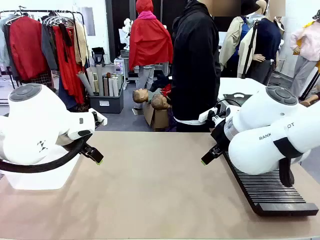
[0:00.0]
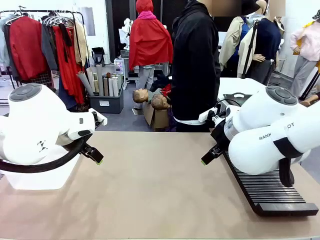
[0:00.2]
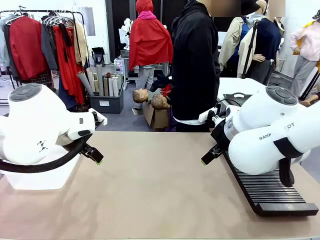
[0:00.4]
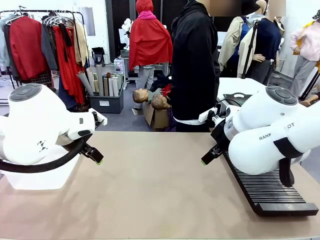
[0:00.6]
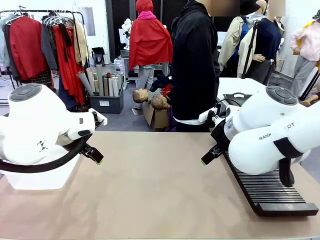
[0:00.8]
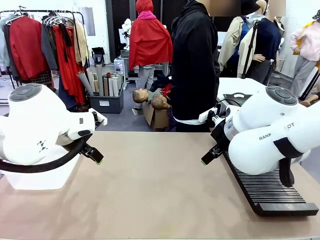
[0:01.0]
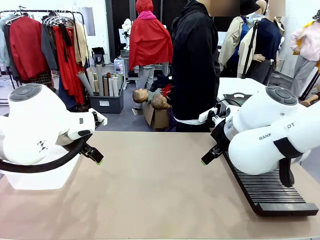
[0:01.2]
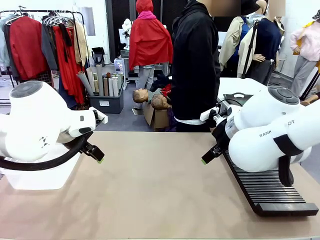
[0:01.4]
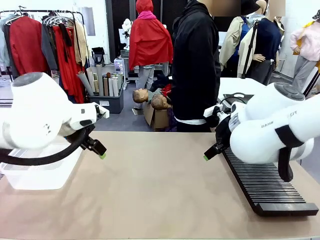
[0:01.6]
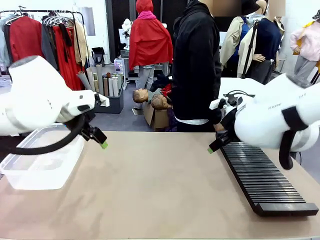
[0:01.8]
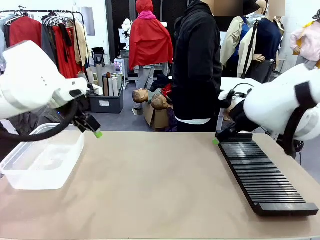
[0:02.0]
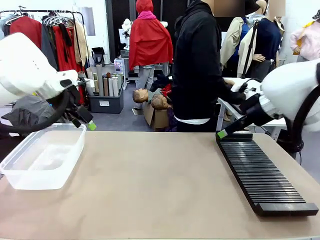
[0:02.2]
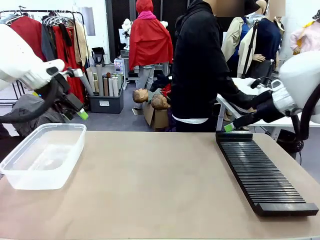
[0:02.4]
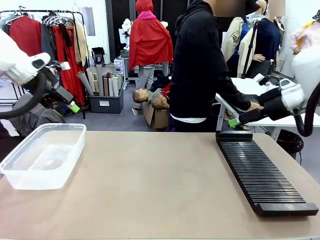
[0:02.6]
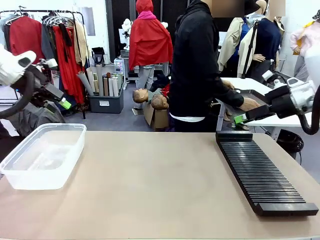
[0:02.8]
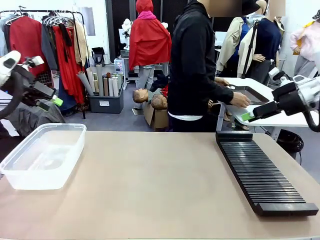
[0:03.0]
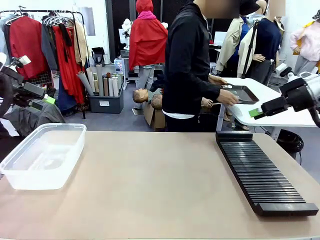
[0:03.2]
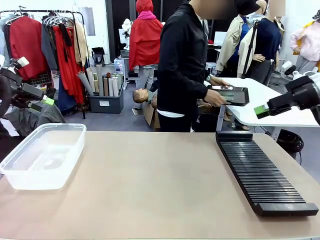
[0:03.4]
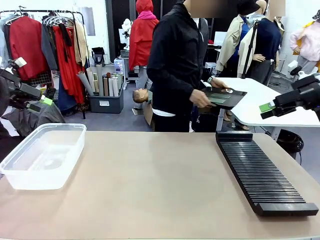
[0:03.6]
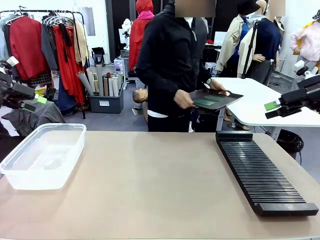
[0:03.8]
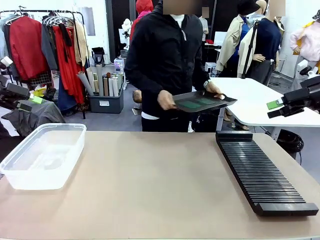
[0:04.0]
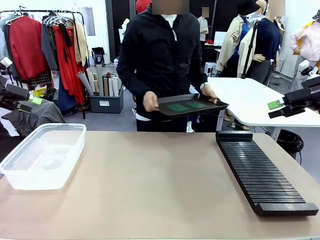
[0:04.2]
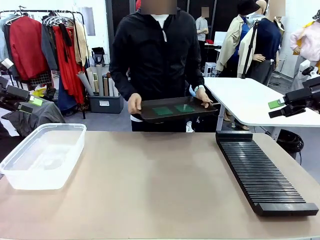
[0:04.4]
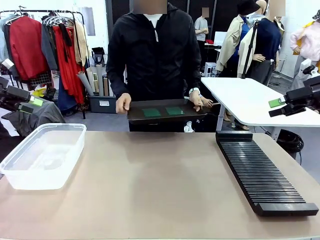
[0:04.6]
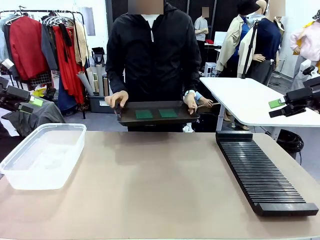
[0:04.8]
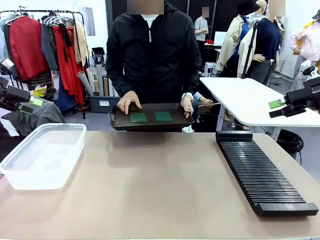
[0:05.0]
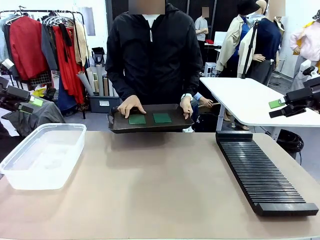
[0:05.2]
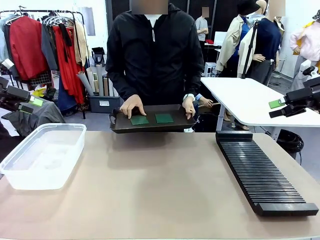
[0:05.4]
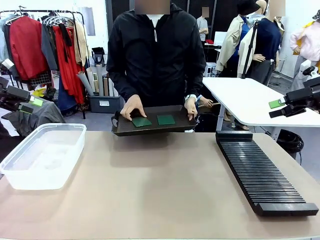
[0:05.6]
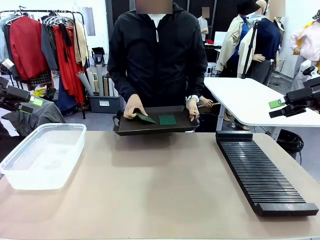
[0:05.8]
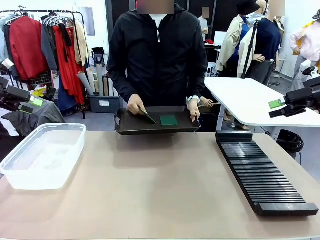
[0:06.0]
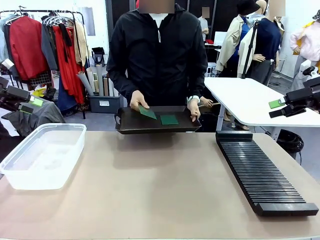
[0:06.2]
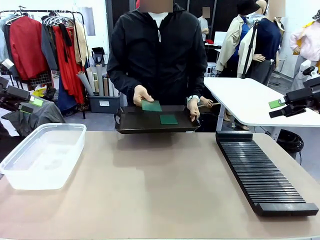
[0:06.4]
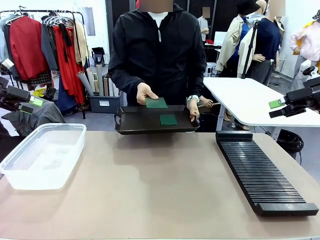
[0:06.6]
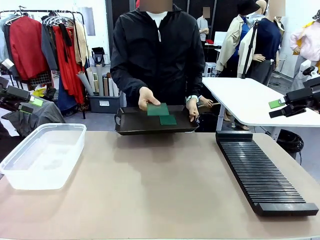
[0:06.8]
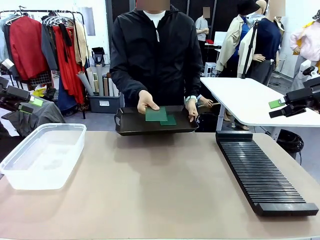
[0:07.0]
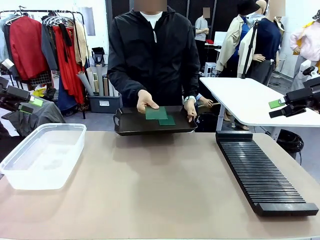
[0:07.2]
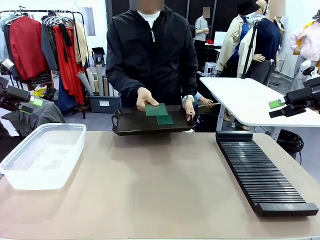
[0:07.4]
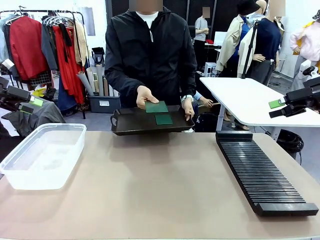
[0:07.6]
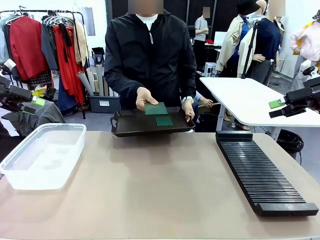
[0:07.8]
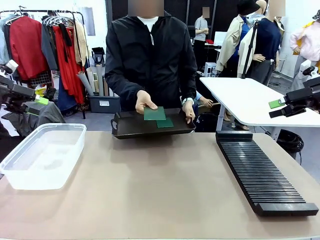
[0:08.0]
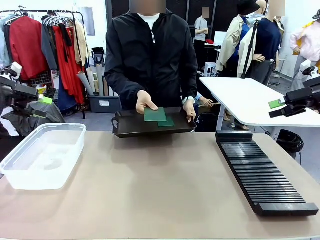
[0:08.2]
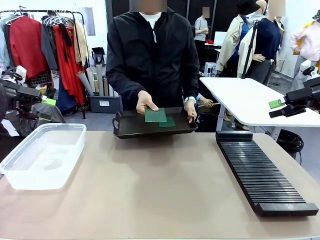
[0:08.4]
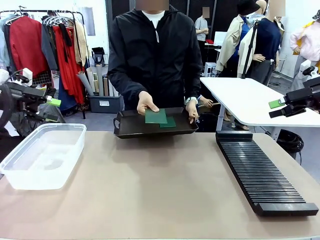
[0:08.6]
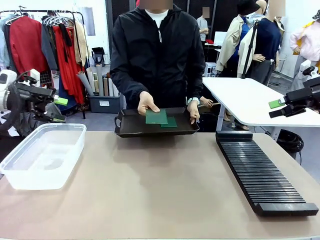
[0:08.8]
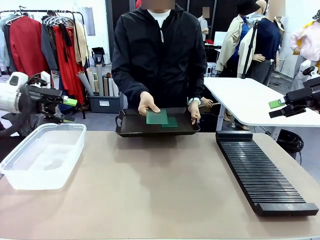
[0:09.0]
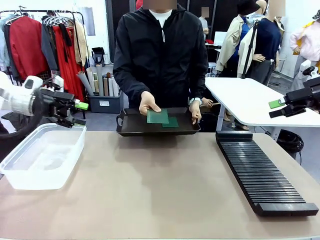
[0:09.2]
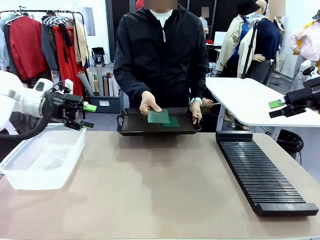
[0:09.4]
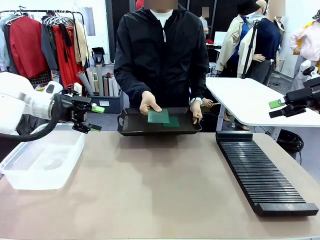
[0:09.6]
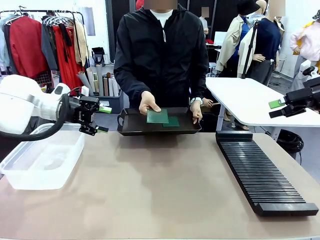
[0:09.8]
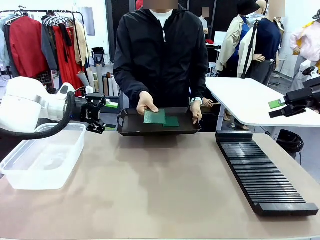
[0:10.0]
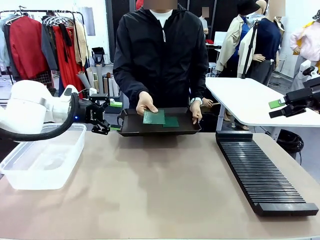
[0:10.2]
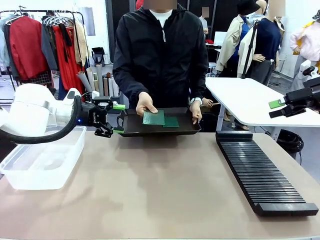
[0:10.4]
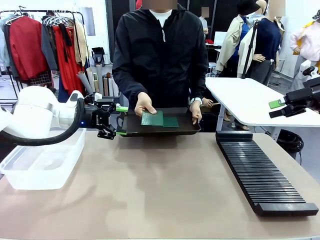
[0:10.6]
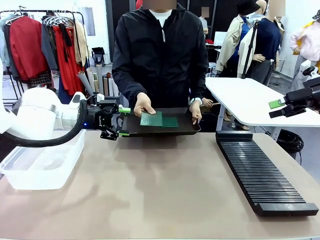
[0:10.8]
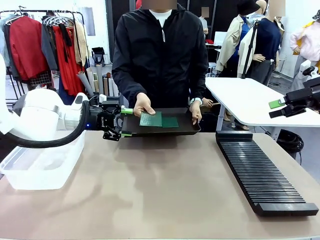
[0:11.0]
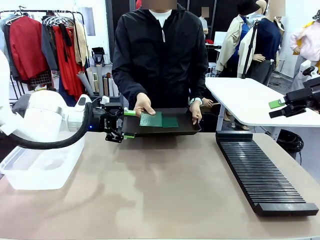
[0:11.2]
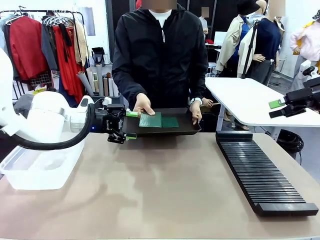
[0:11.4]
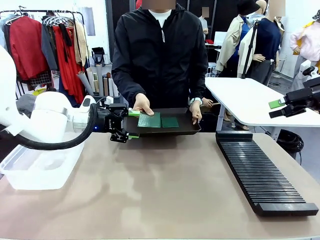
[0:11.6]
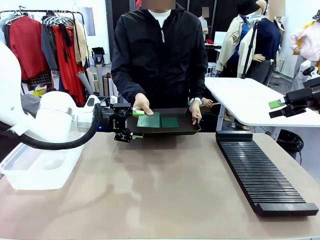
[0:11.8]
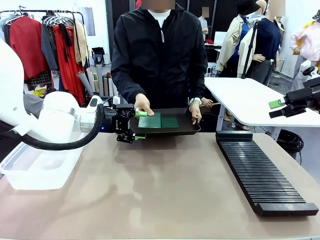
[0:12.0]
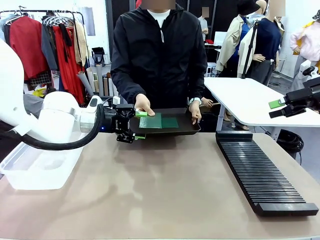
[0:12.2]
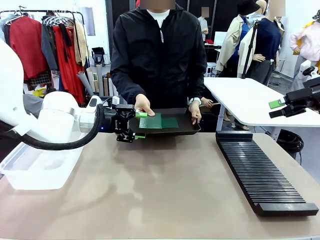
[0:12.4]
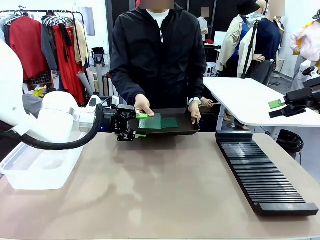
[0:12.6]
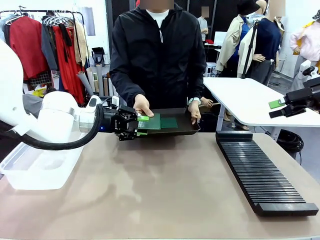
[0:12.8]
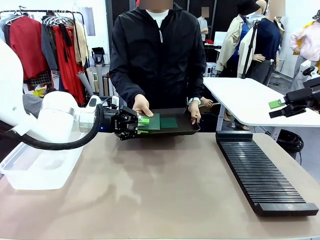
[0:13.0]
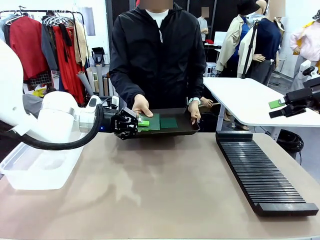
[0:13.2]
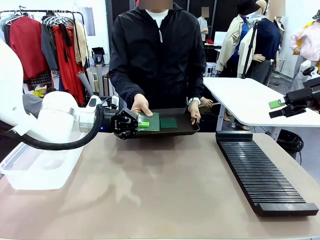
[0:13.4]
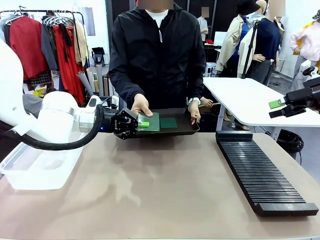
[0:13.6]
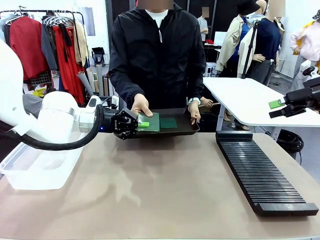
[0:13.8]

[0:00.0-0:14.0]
Task: Sort PCBs into racks and boxes based on the side picked up.
Robot: Pick up the Blank PCB handed by the Human.
Person: Pick one PCB from the tray and present it to the robot. Release the PCB being held.

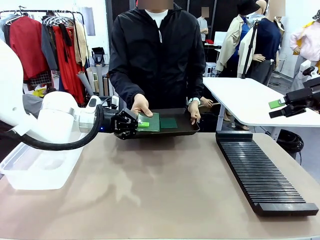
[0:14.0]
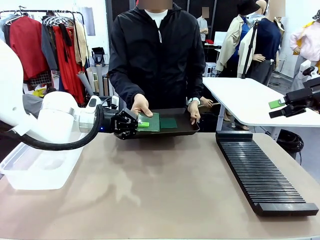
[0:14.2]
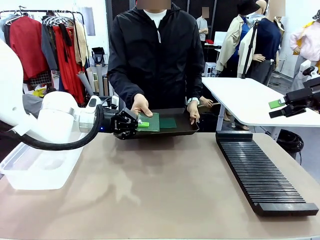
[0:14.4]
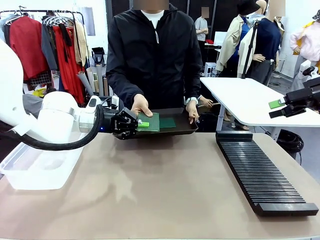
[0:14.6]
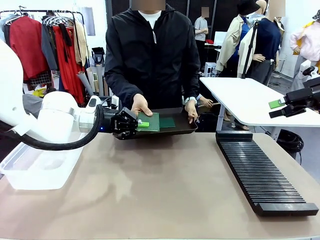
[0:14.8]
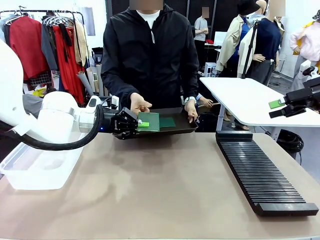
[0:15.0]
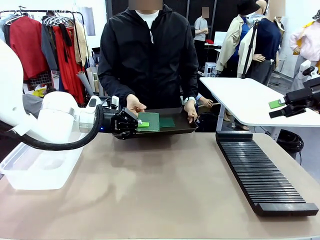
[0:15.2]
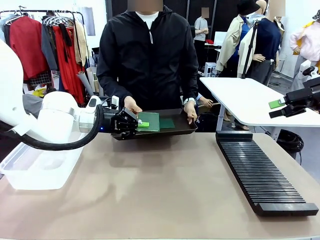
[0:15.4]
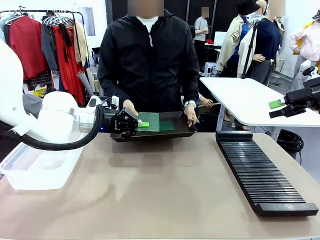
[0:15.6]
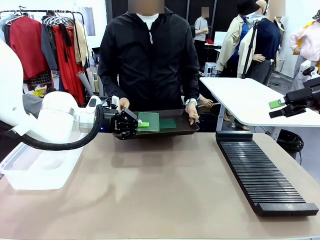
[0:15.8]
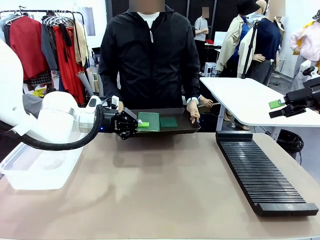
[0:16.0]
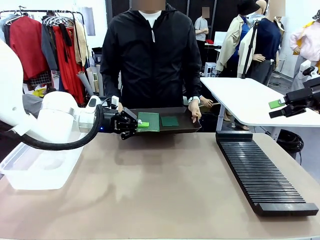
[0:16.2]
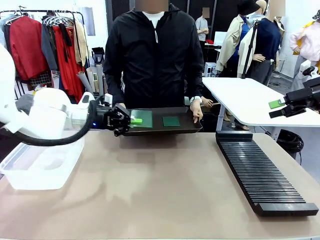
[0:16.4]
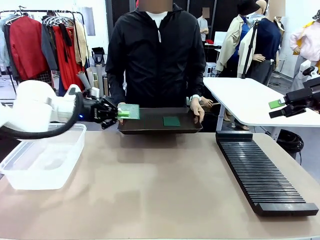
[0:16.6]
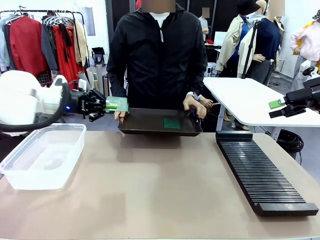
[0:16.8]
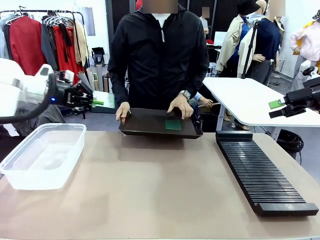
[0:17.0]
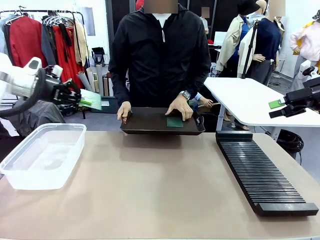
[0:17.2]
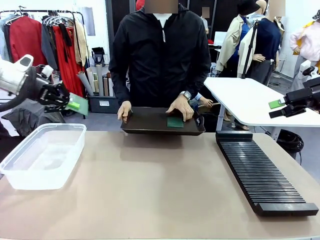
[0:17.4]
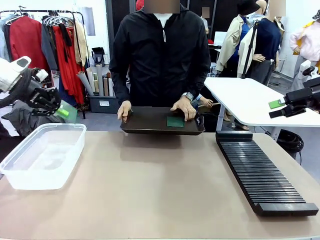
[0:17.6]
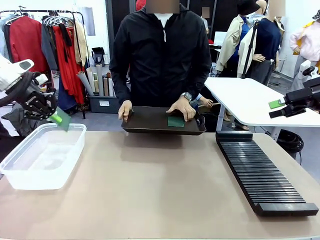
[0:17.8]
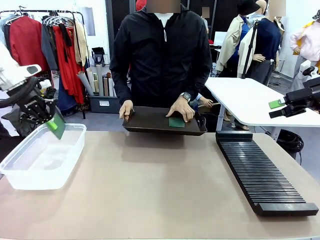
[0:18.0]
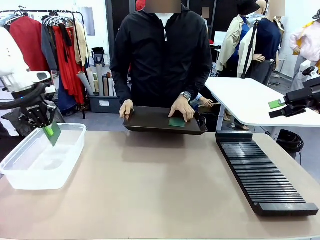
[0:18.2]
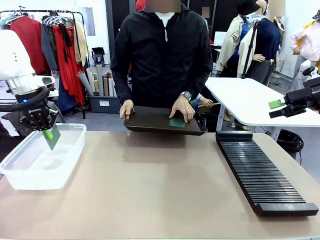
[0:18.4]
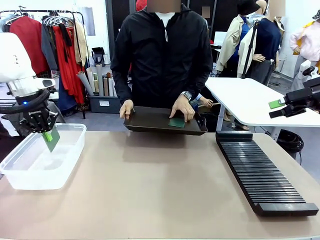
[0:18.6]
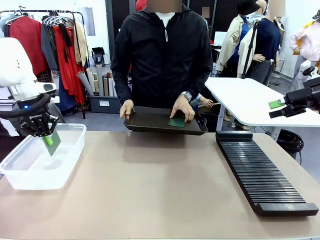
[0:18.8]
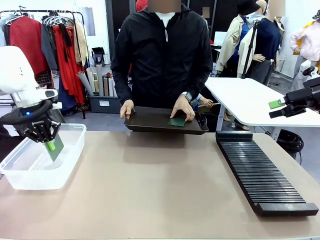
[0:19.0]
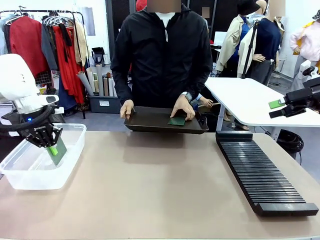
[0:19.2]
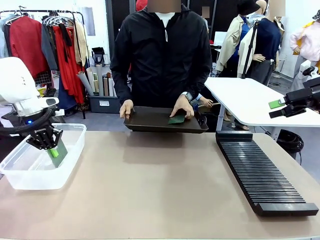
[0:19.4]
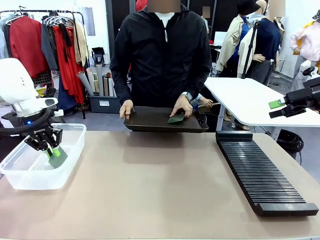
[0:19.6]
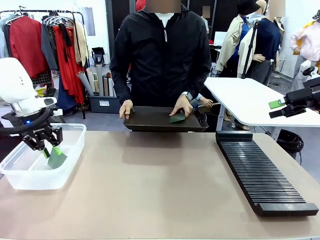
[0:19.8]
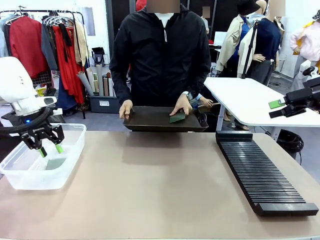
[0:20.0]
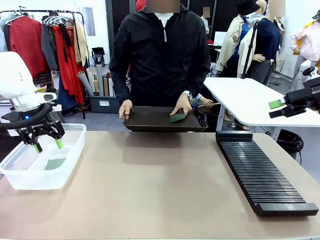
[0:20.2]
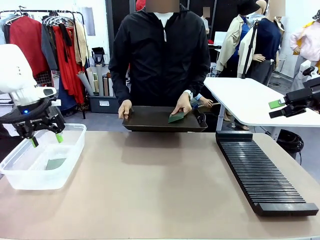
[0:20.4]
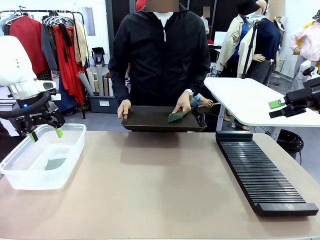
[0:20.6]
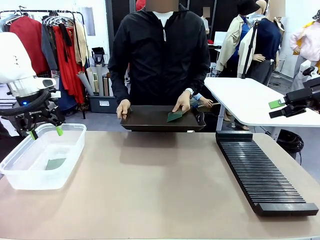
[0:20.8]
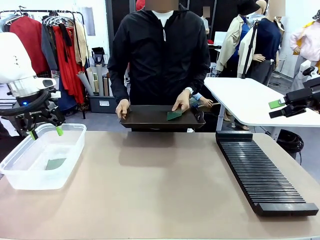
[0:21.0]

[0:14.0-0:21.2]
Robot: If the short side of the Blank PCB is picked up, insert it into the PCB Rack ; if the long side is picked up, place it in the Organizing box.
Person: Pick one PCB from the tray and present it to the robot.
